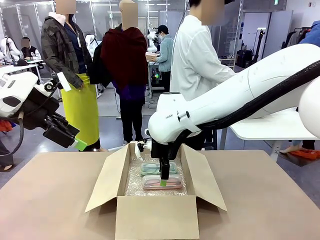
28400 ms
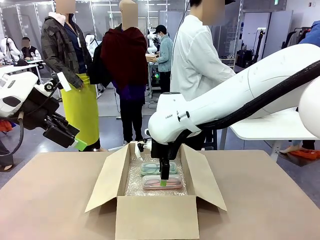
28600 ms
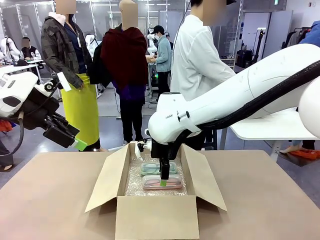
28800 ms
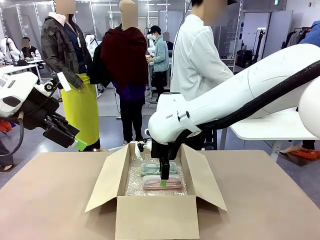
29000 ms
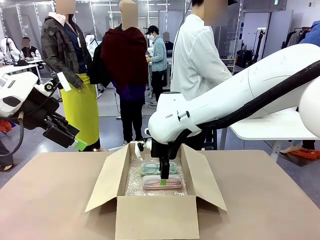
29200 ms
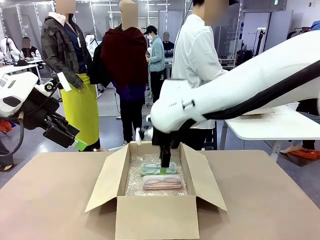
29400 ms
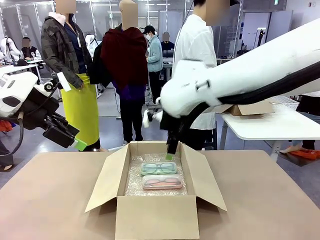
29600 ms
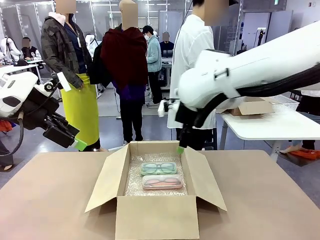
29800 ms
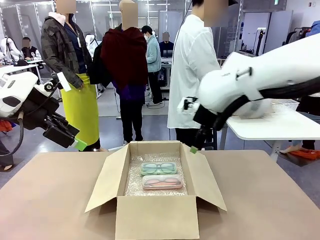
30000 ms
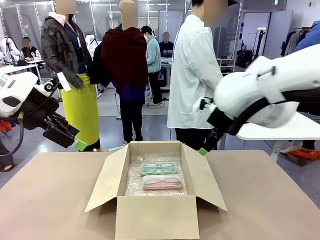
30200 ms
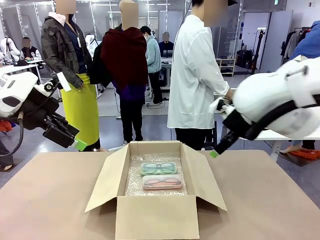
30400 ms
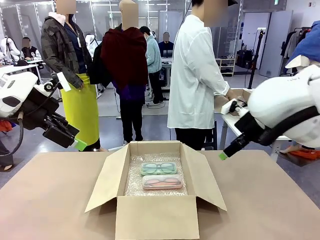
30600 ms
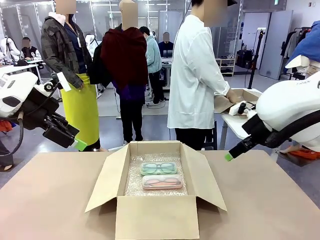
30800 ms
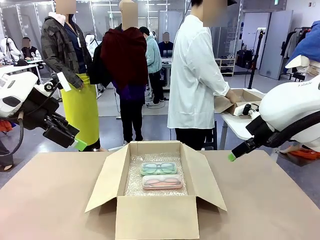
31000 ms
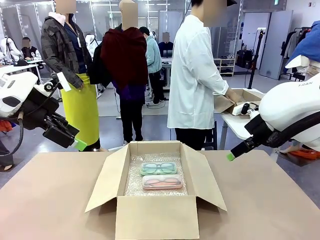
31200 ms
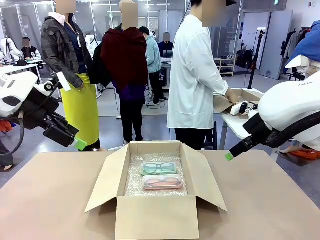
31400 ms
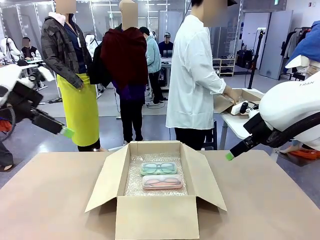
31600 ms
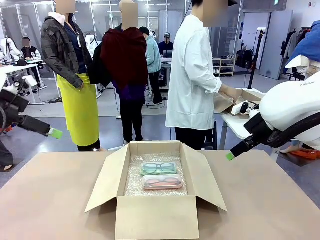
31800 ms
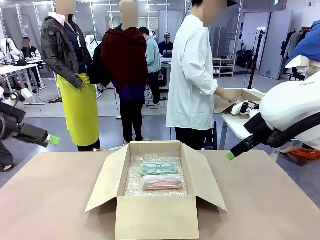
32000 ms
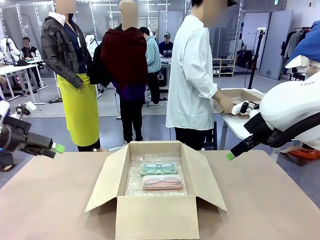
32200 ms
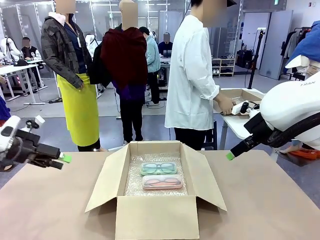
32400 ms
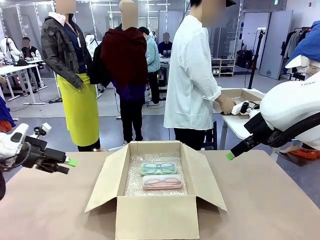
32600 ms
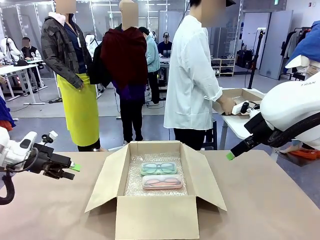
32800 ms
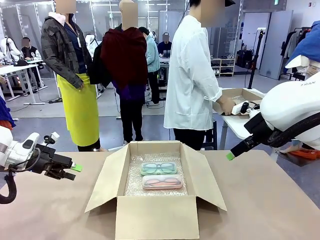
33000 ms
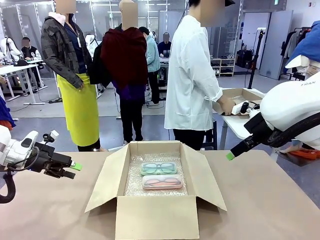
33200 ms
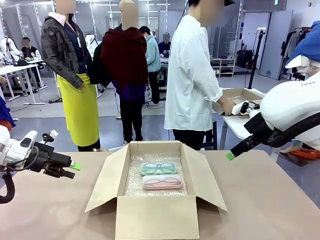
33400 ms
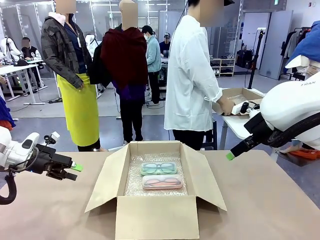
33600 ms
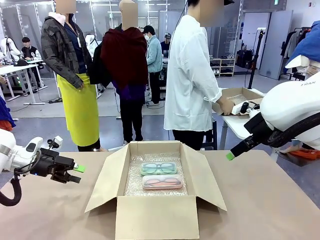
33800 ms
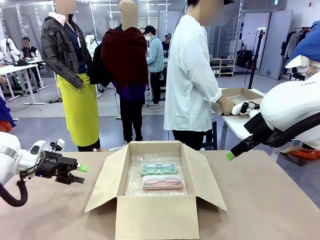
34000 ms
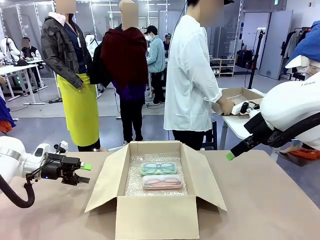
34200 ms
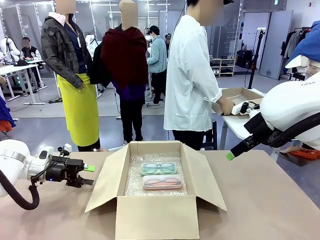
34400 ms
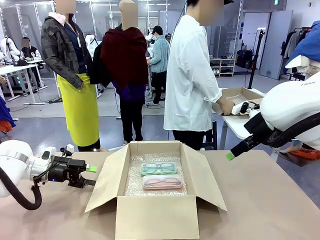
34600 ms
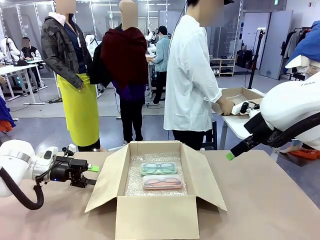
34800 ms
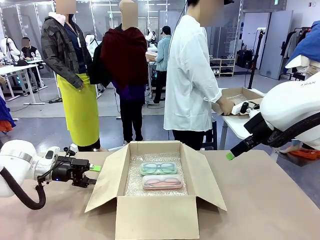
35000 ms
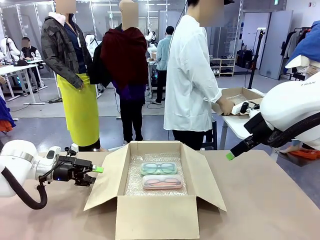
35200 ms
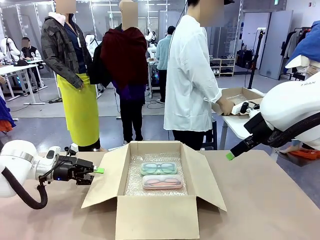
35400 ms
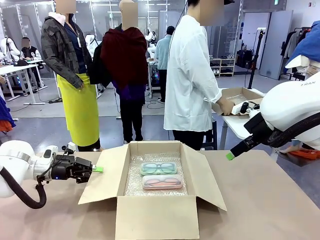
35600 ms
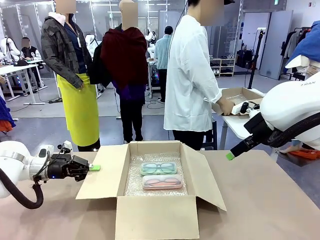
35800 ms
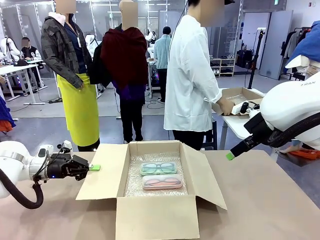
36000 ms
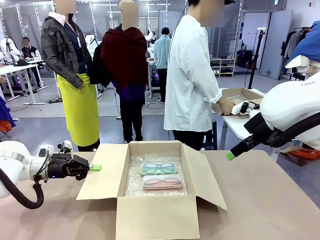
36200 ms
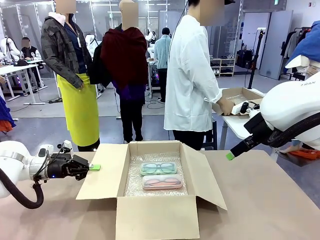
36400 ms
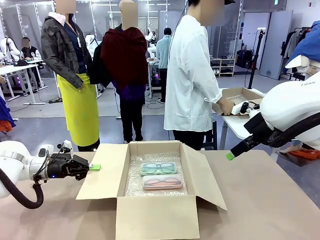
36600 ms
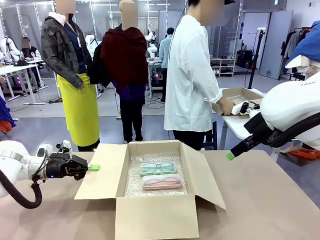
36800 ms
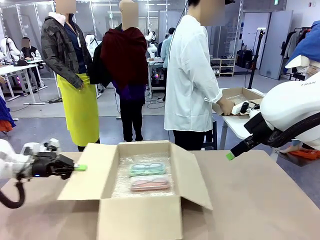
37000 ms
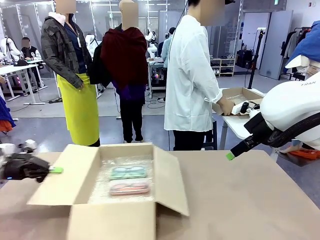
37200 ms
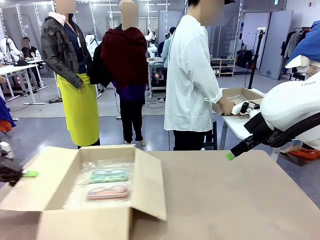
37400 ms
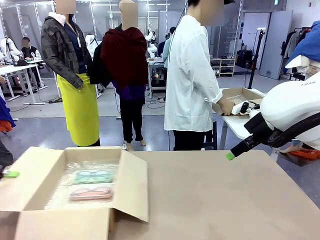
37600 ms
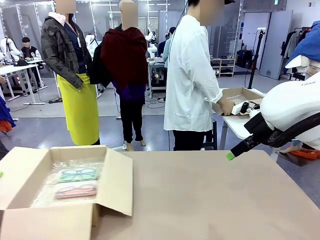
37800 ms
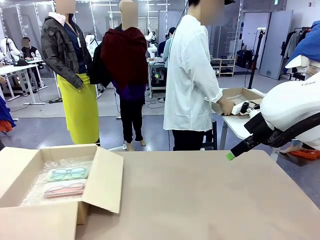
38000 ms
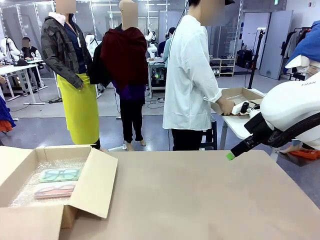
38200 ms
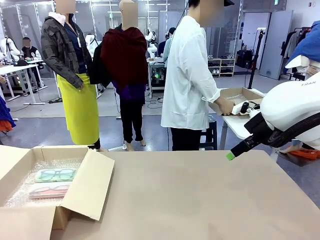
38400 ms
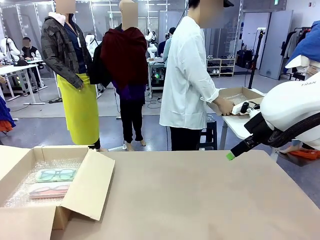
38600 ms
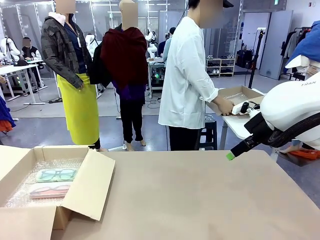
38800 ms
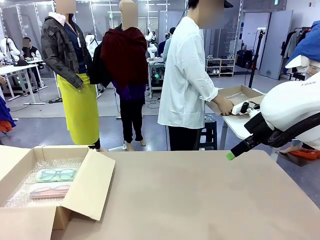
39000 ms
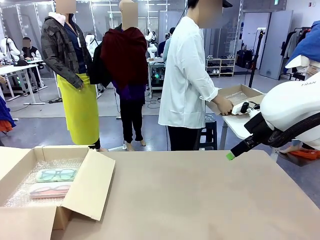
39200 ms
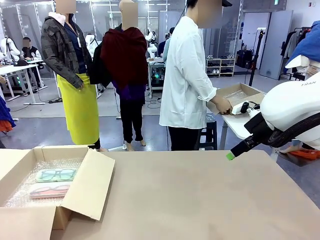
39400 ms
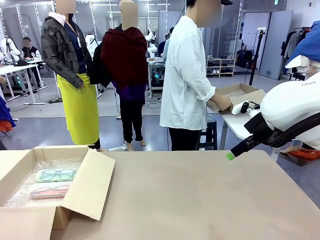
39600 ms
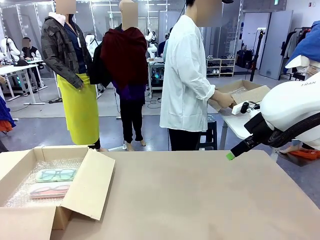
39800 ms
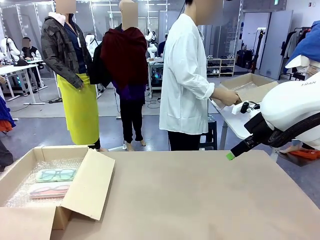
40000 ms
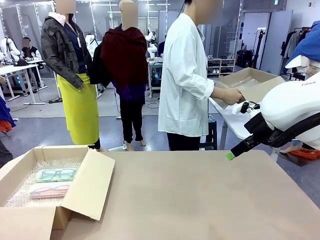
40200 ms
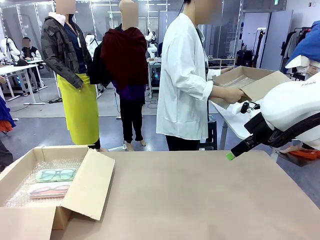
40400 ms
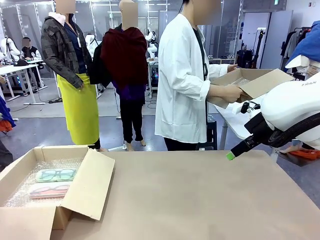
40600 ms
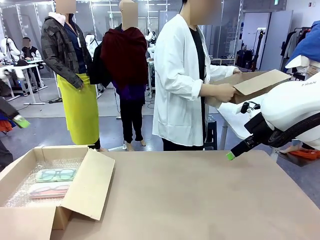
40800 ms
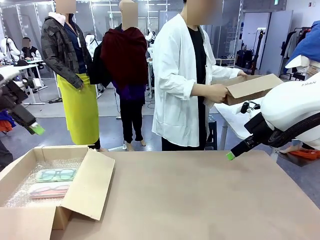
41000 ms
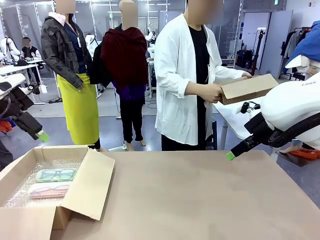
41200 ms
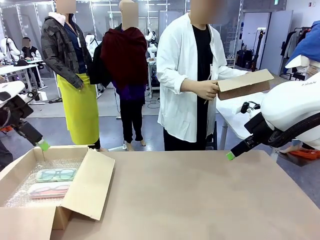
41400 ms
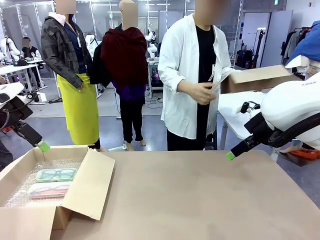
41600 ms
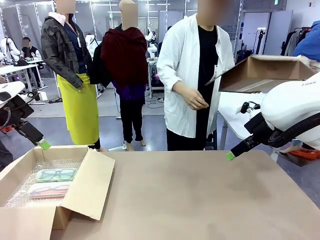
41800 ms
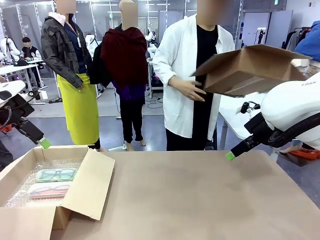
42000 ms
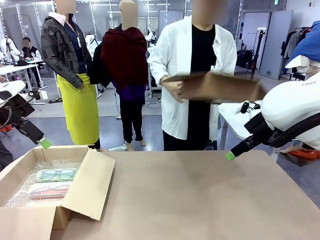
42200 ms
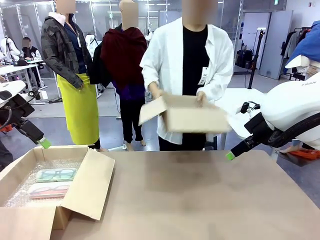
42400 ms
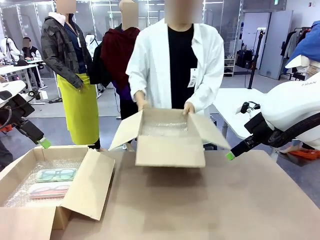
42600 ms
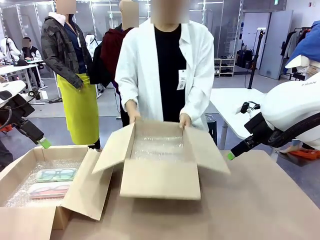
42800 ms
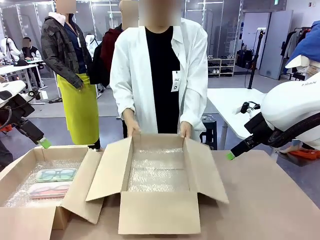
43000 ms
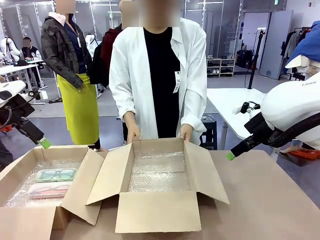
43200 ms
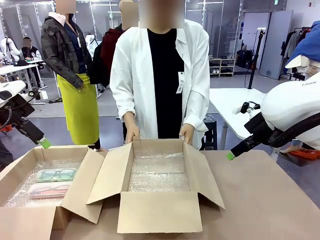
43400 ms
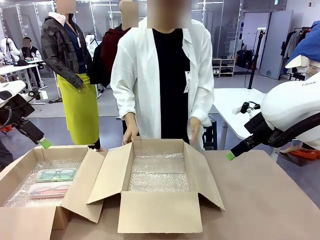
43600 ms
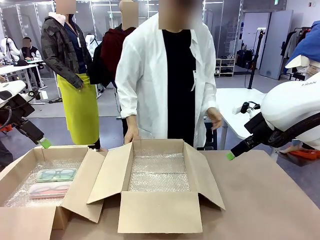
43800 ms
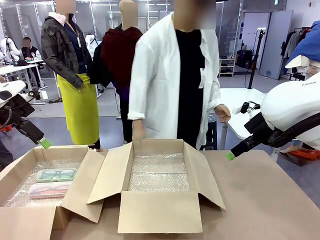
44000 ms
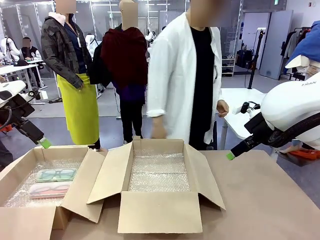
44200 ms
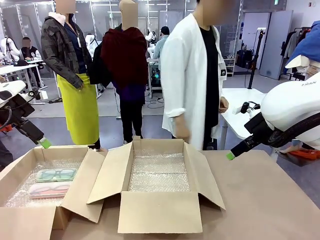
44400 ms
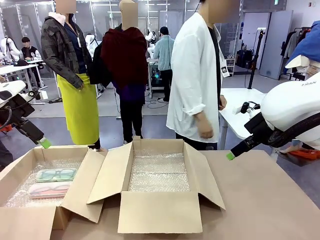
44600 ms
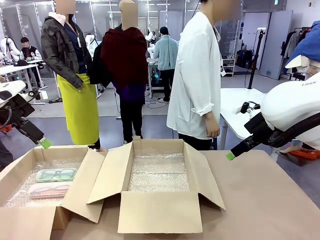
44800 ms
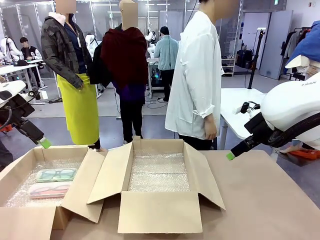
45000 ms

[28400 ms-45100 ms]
Task: Pack the glasses set securely to prepare it for shipping.
Robot: Position the Package Box on the left side of the table.
Person: Position the empty Package Box in the middle of the robot's table.
